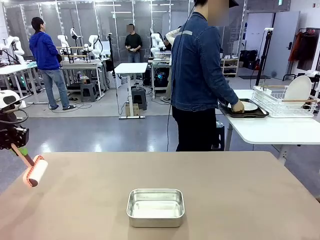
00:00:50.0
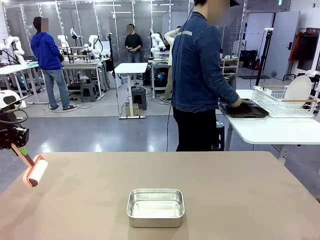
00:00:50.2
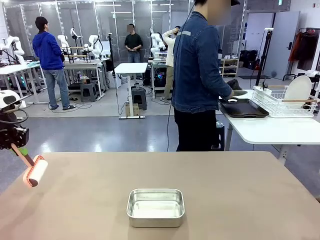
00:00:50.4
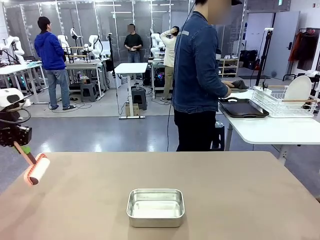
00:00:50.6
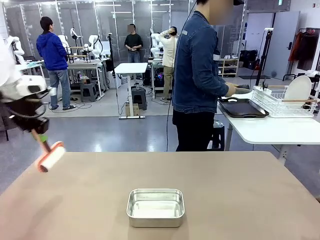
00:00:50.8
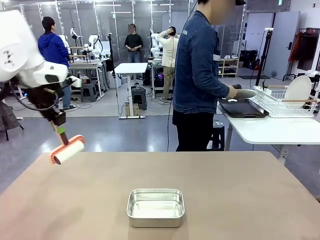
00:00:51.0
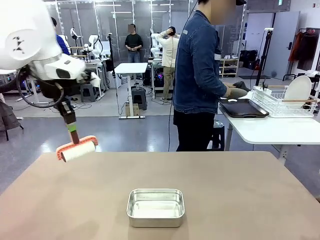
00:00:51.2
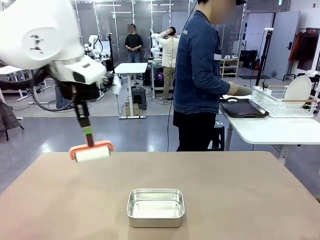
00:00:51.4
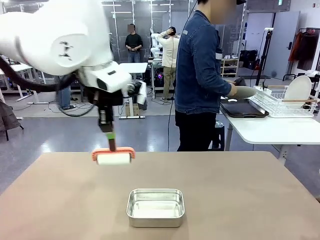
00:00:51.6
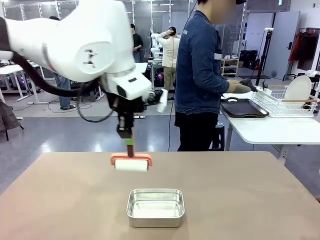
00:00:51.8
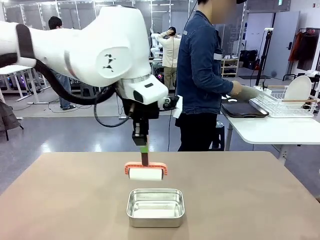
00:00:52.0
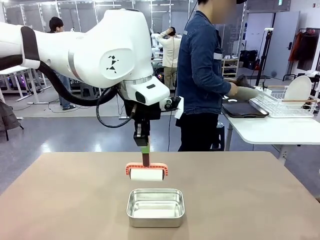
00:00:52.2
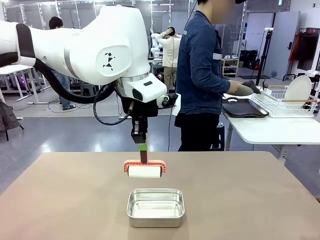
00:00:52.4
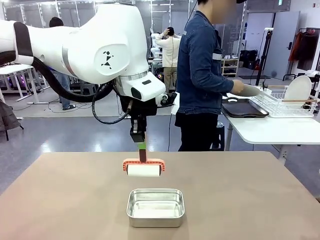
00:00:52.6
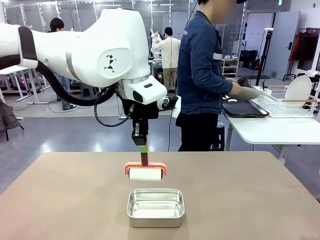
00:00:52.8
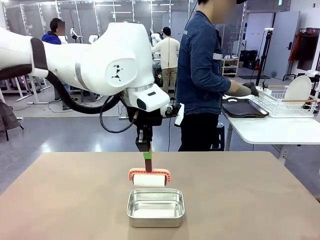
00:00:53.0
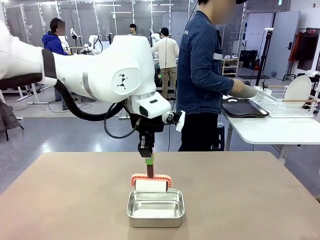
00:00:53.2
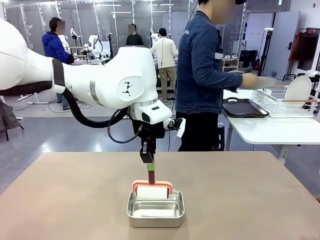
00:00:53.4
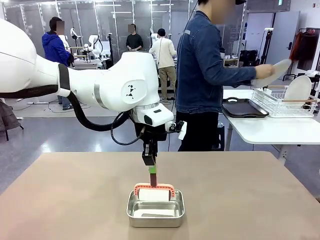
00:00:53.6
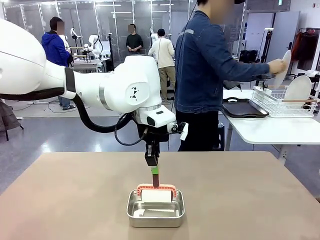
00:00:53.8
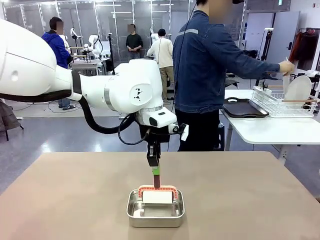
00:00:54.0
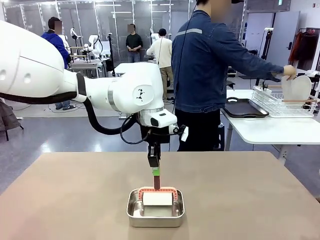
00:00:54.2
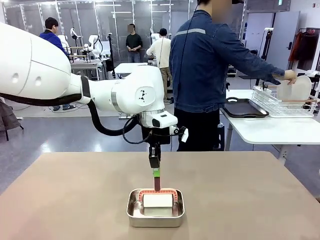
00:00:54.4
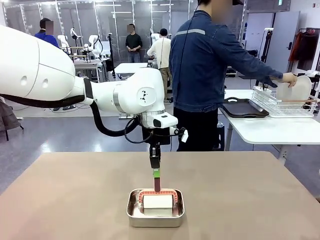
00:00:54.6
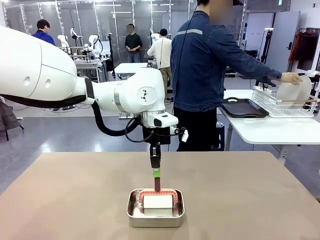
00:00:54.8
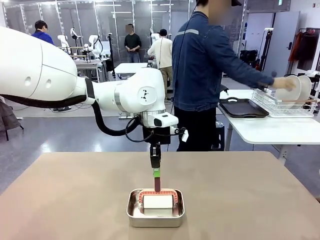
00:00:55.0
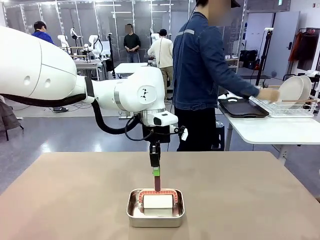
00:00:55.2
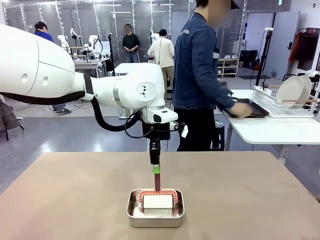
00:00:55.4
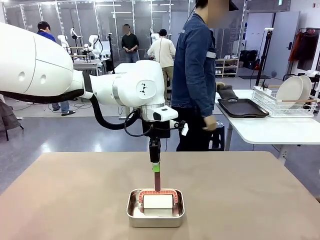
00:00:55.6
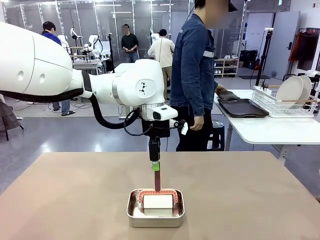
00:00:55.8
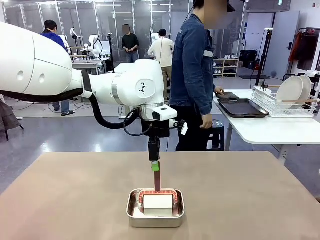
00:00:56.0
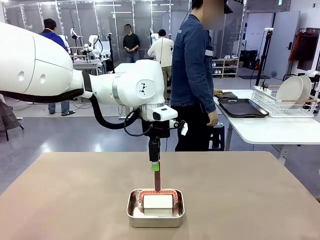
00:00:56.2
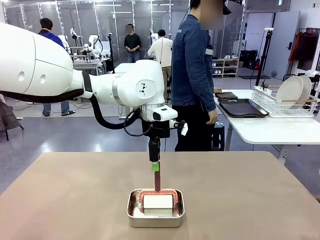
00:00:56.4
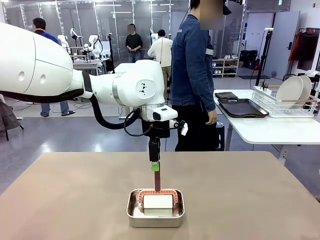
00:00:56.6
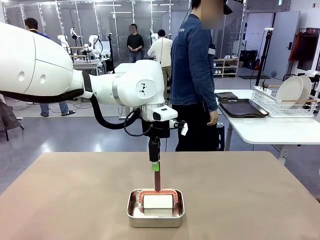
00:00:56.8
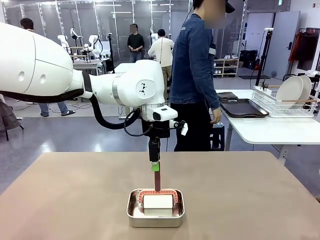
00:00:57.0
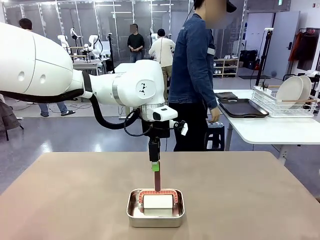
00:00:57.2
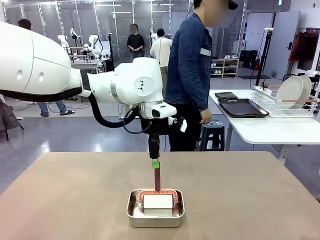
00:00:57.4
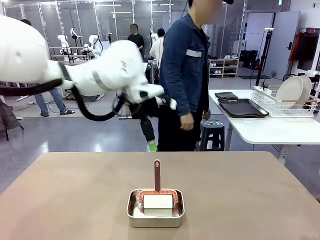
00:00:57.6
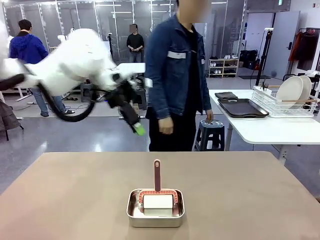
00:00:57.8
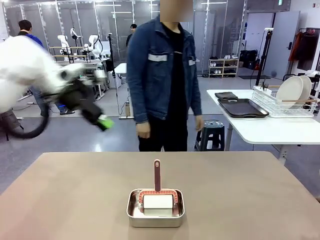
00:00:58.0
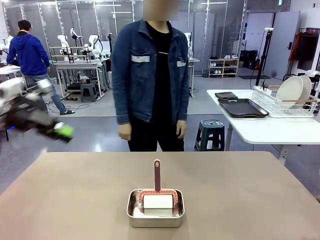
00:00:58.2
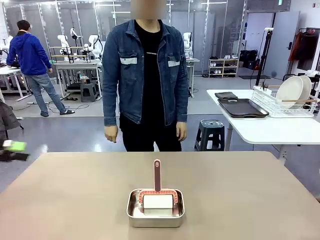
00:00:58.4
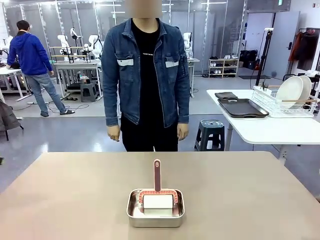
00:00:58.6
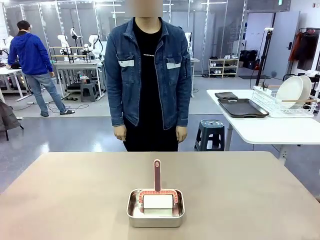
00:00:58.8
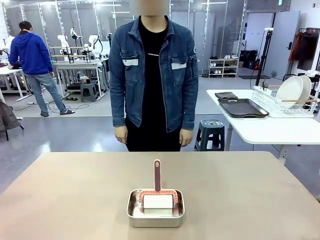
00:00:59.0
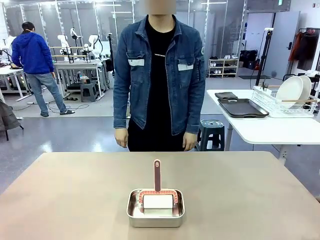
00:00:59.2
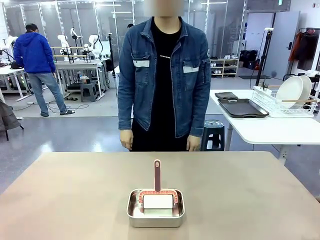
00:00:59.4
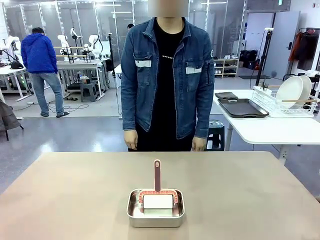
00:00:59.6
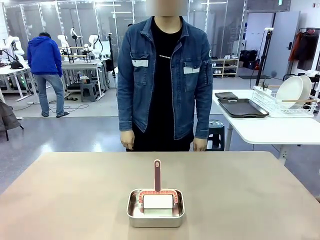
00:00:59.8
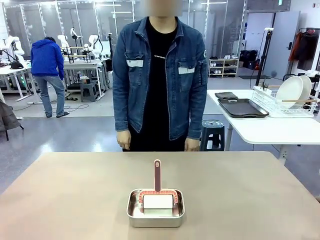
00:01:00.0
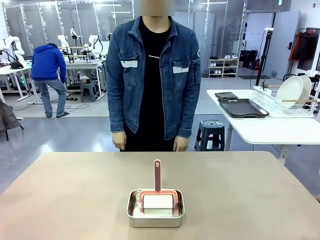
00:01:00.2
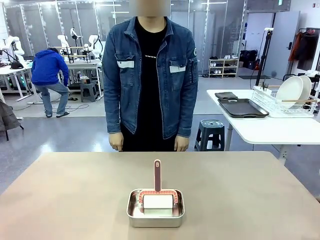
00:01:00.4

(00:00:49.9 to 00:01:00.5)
Robot: Place the Lint Roller back on top of the Airtight Container.

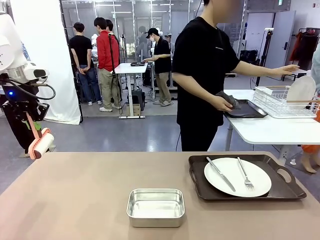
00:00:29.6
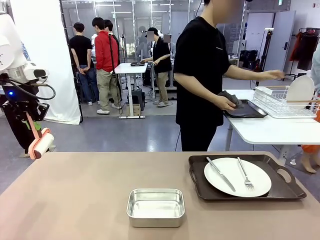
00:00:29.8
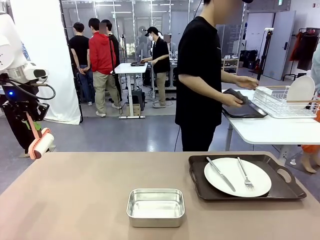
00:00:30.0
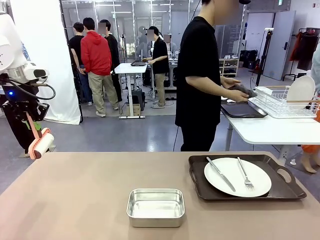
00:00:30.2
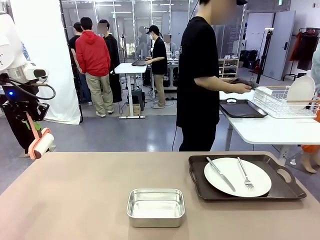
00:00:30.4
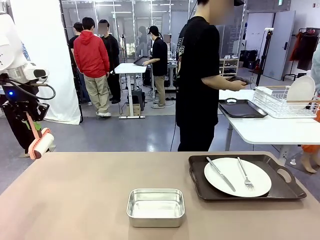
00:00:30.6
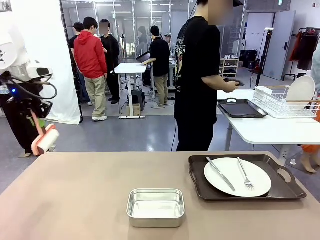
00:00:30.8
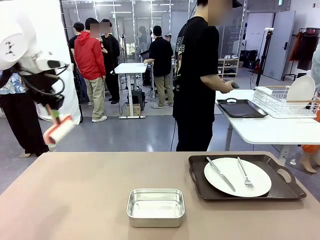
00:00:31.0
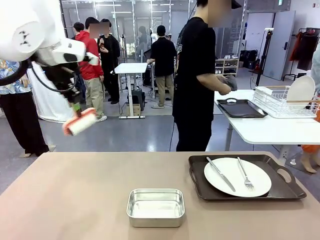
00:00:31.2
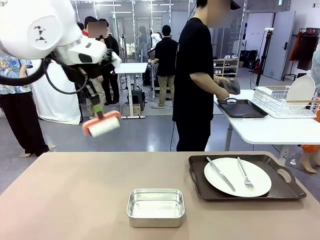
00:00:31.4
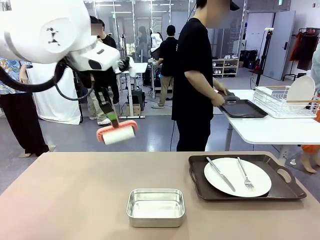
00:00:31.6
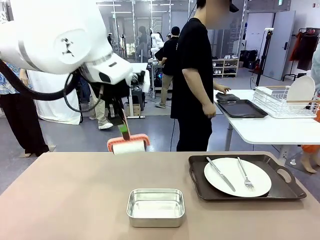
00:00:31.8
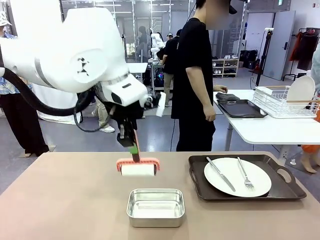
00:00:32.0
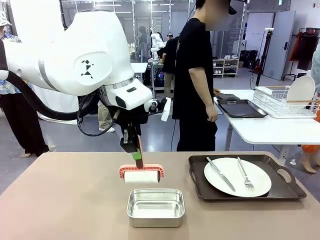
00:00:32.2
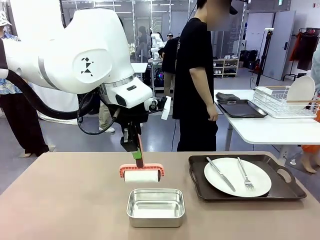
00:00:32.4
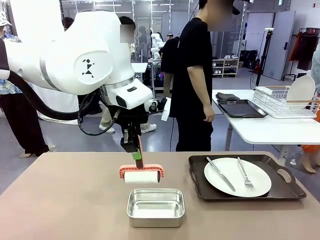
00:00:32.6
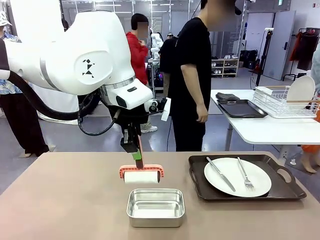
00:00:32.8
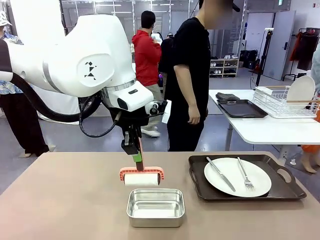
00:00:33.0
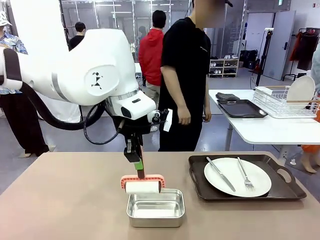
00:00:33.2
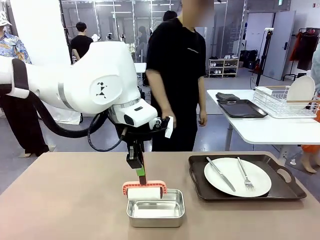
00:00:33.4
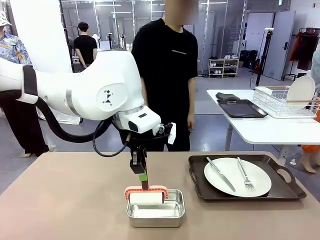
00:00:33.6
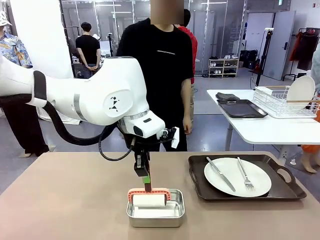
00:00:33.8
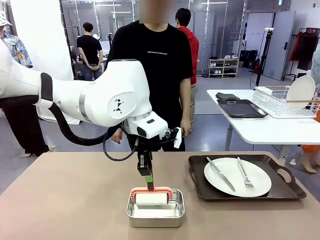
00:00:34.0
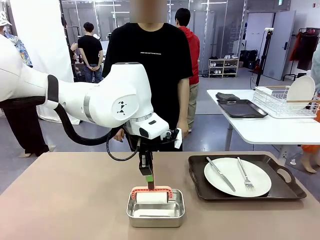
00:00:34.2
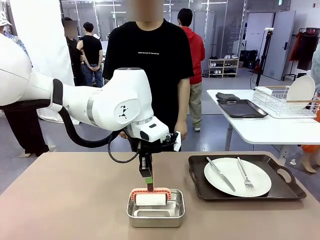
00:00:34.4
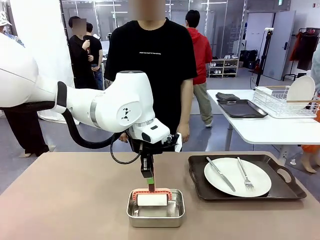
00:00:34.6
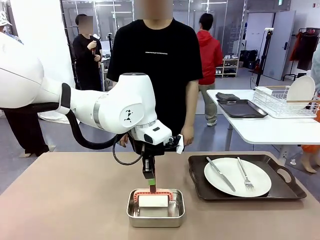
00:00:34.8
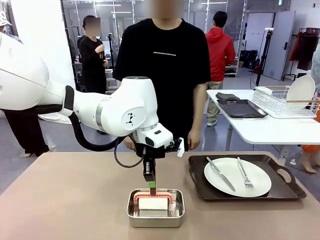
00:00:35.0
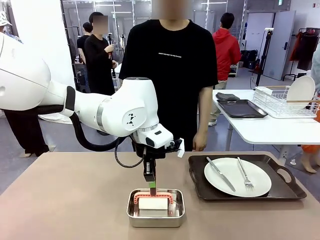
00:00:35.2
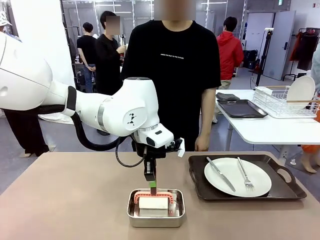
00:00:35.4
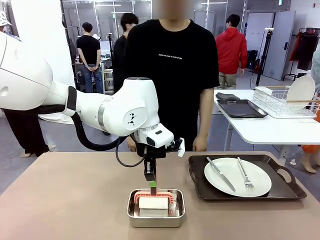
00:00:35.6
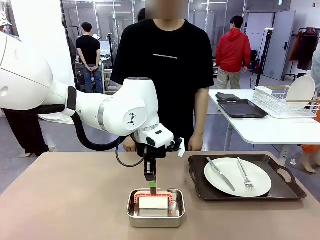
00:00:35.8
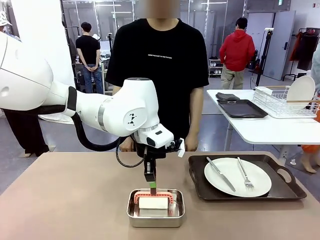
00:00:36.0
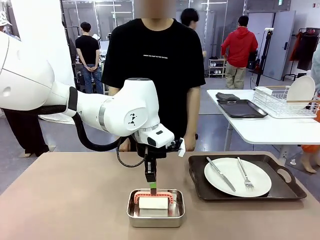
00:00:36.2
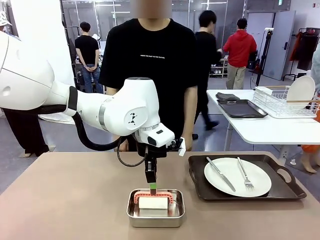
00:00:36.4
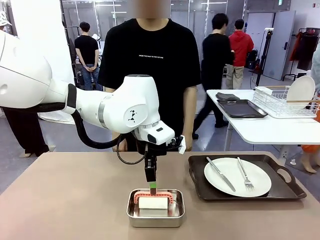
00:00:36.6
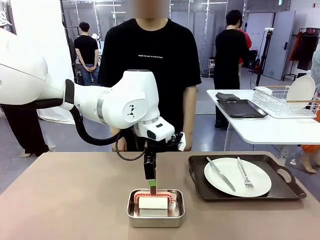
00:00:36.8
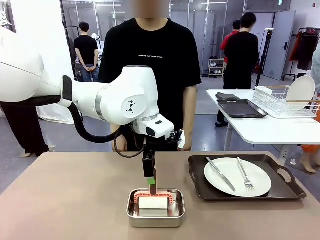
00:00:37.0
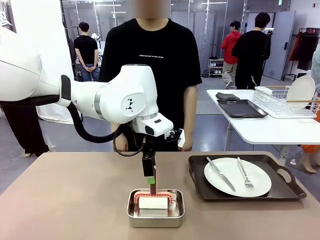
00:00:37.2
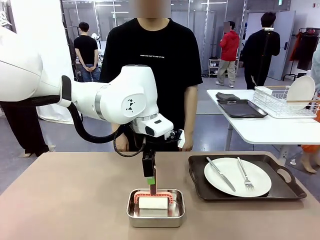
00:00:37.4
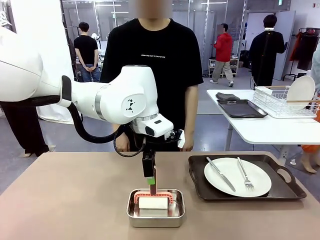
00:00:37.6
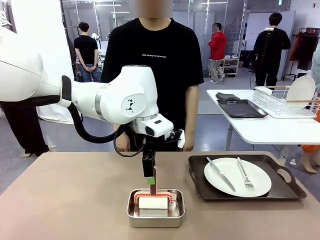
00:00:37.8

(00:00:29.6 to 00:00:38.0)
Robot: Place the Lint Roller back on top of the Airtight Container.
